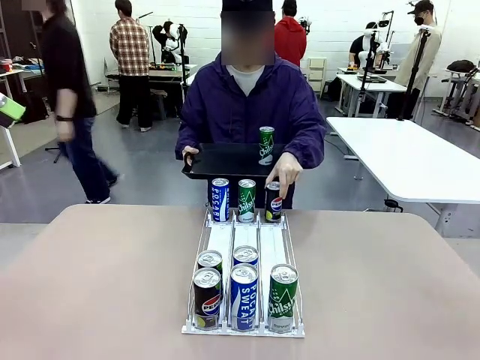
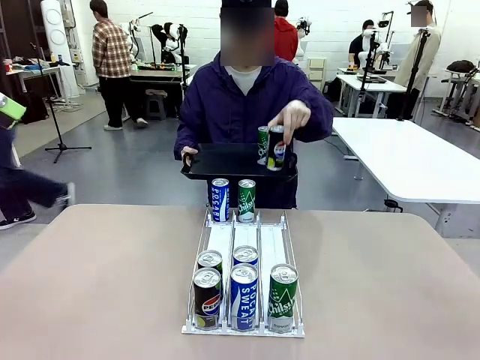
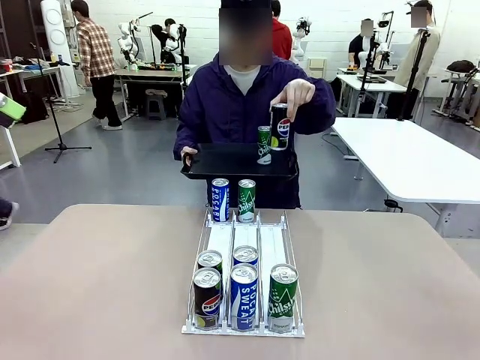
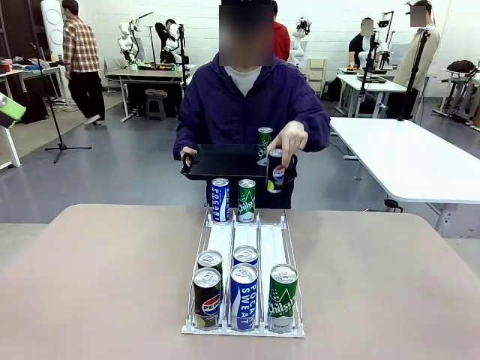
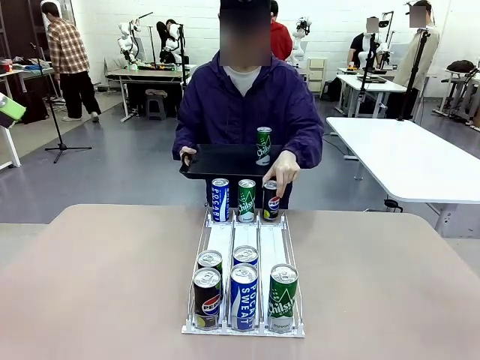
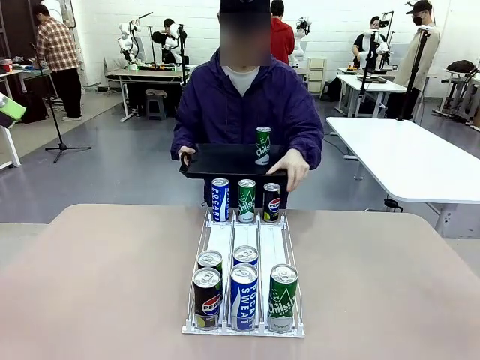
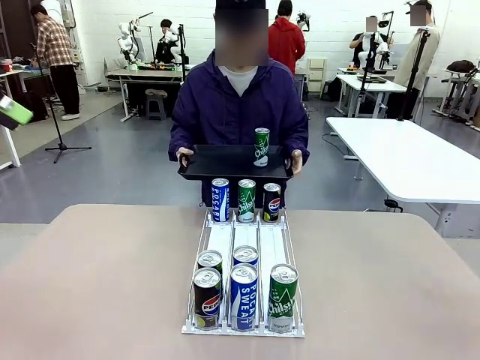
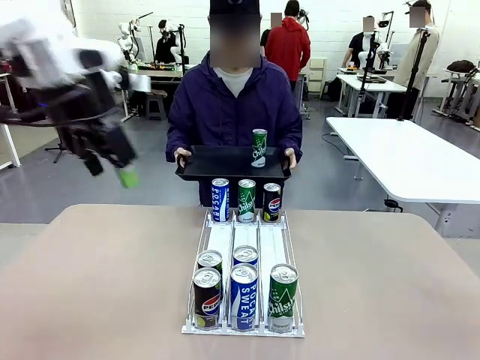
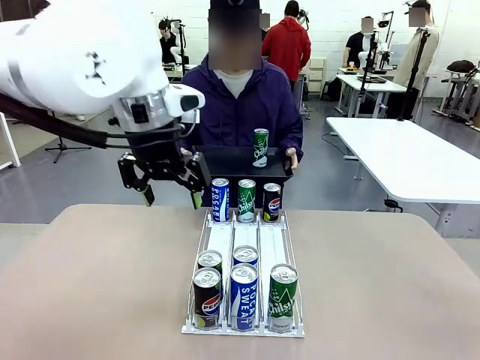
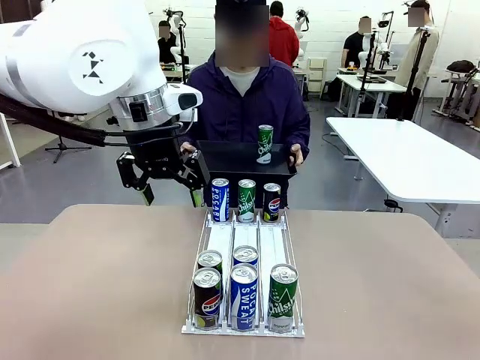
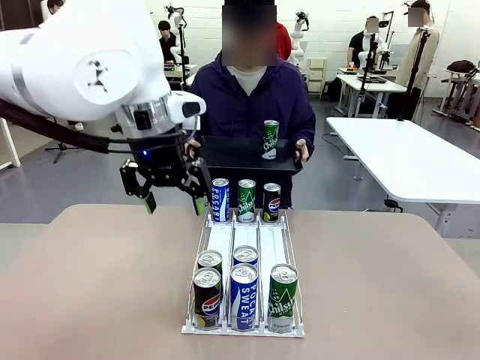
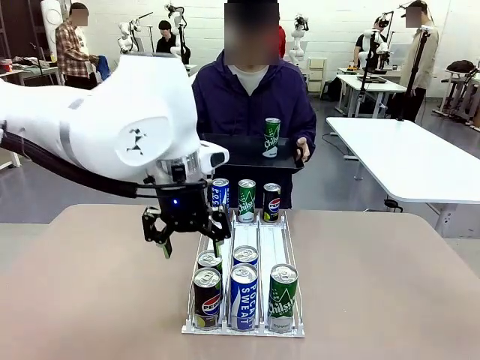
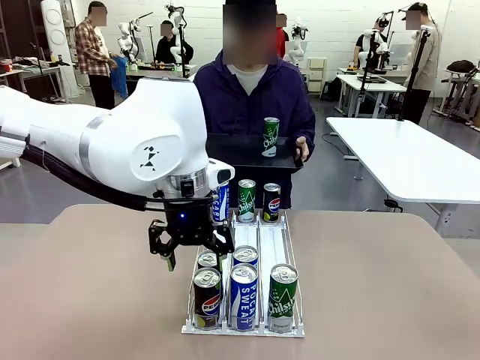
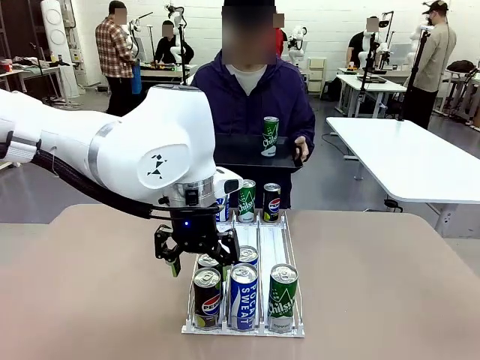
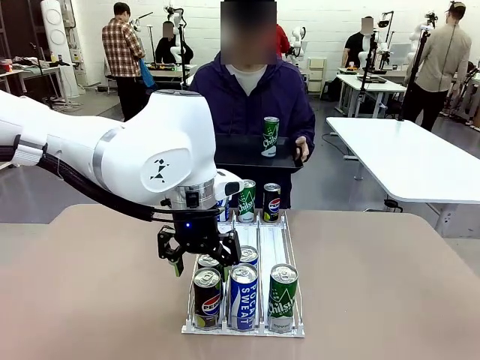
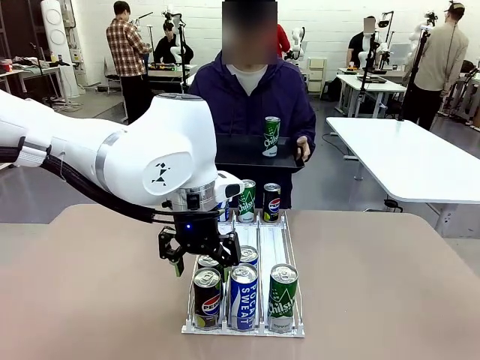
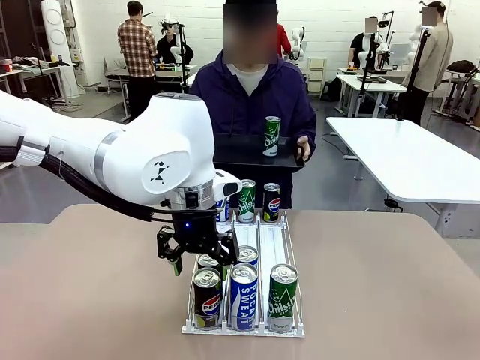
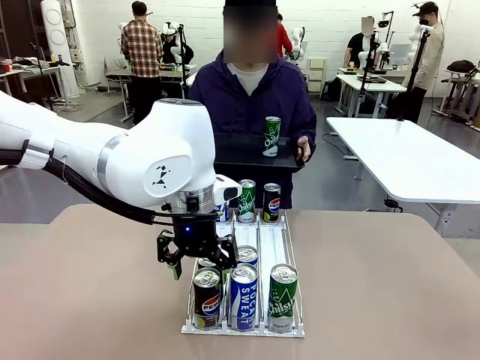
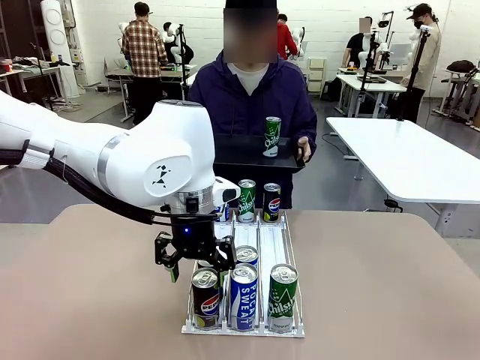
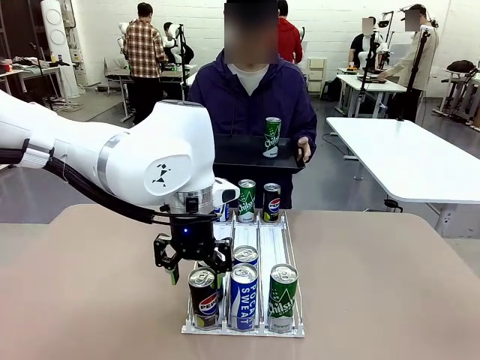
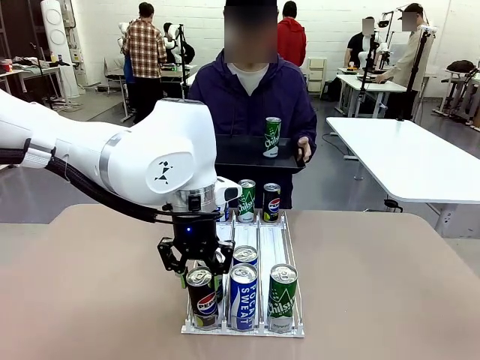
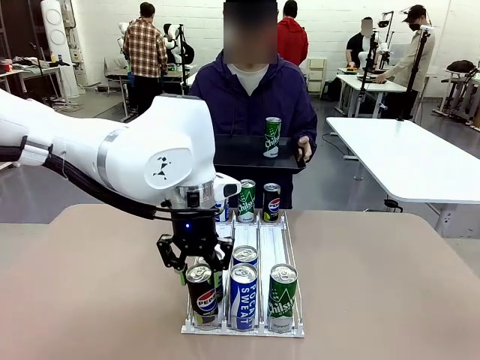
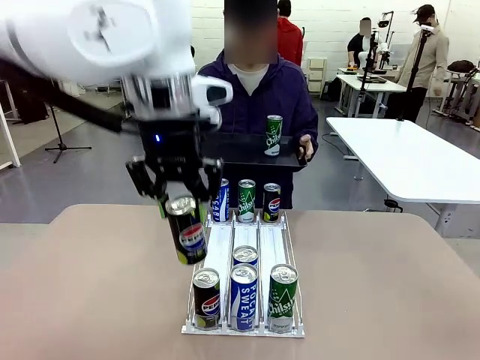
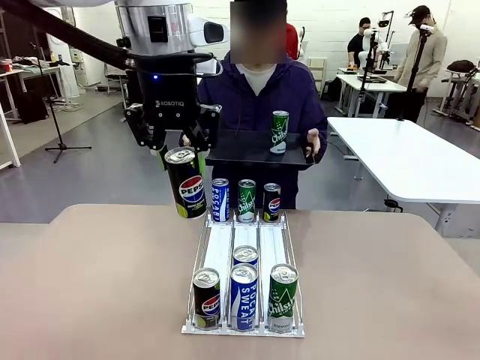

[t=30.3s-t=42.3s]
Task: Retrieve and hand over the desired beverage to the person.
Robot: Pick up another can of the same type that the person held from the Automatic Can Dispenser.
Person: Push the tray toward the robot again.

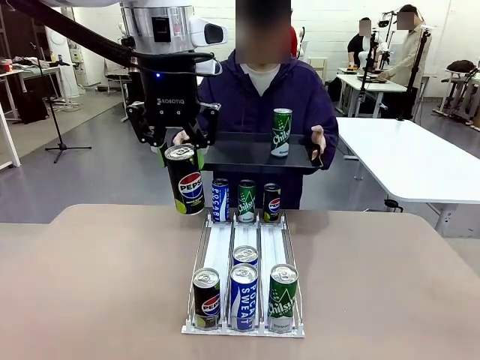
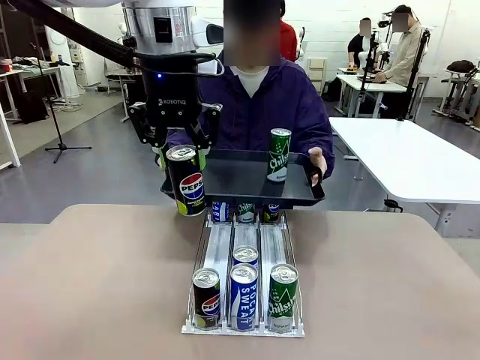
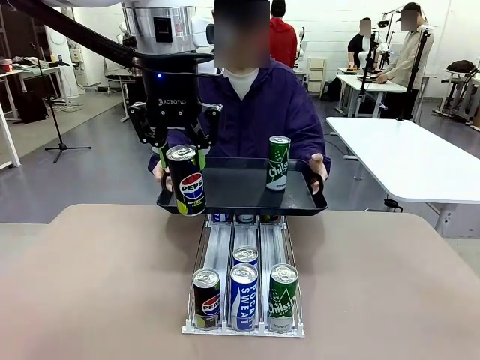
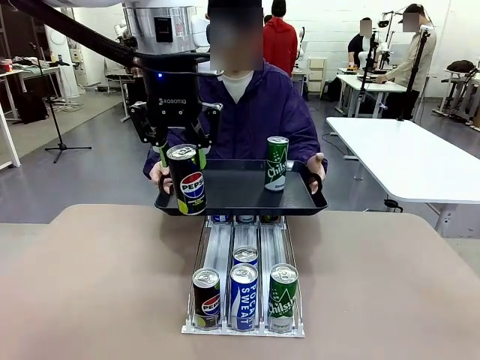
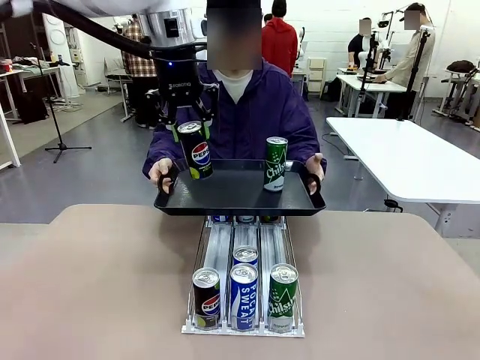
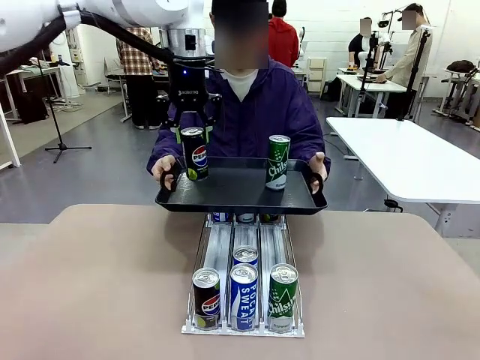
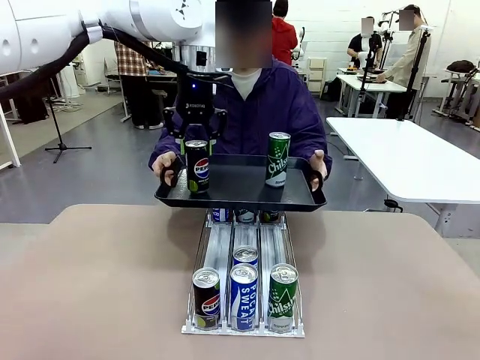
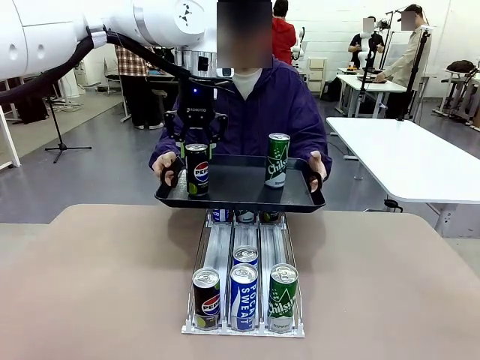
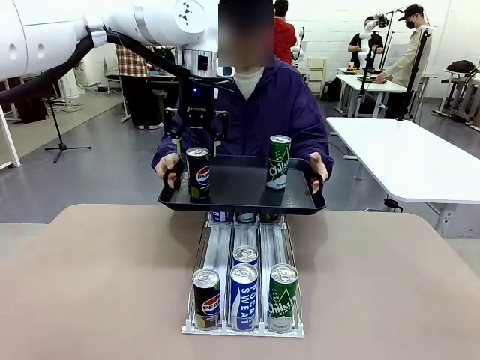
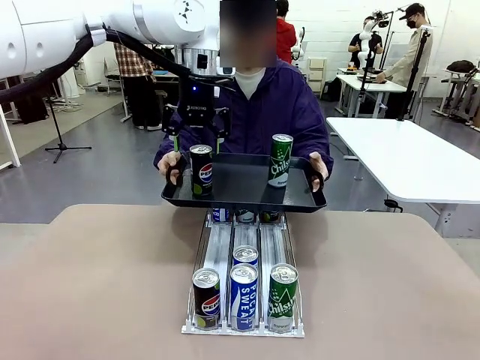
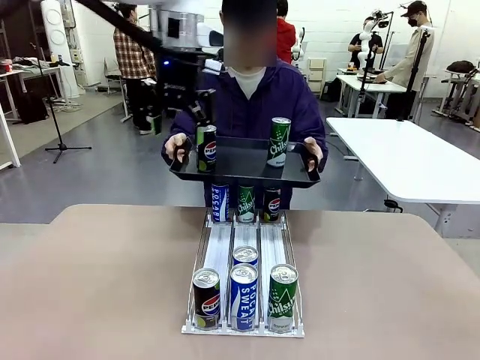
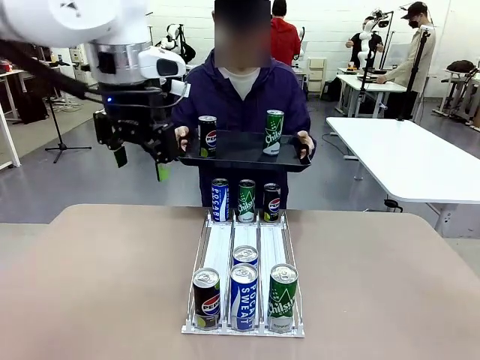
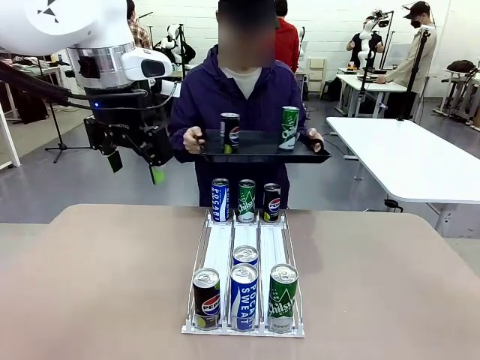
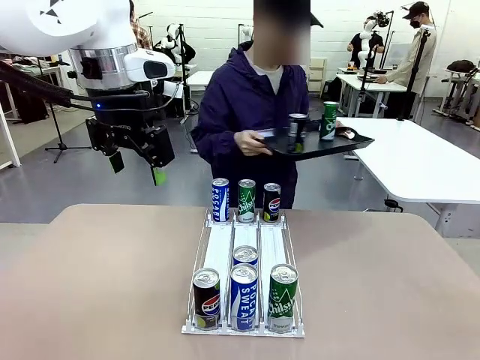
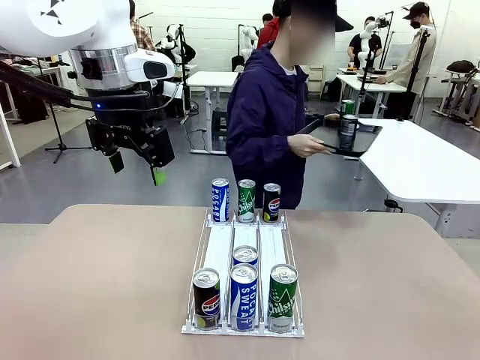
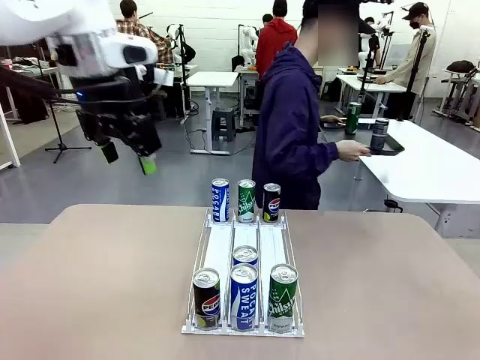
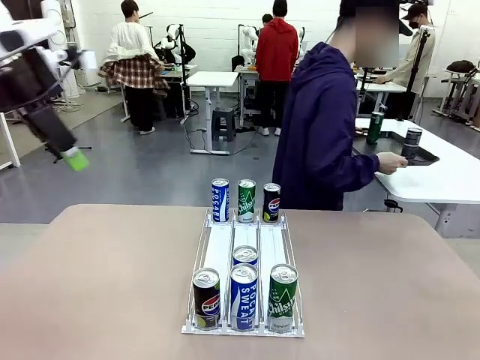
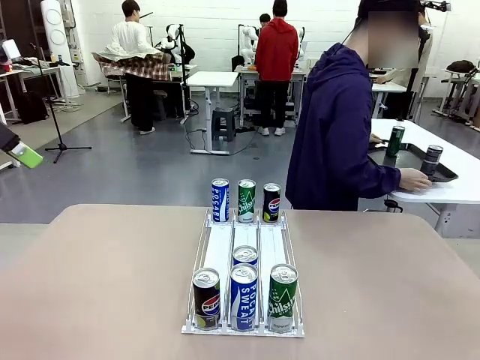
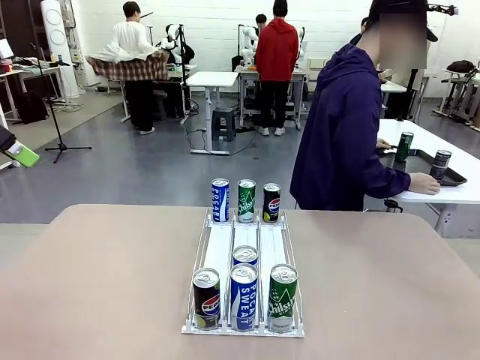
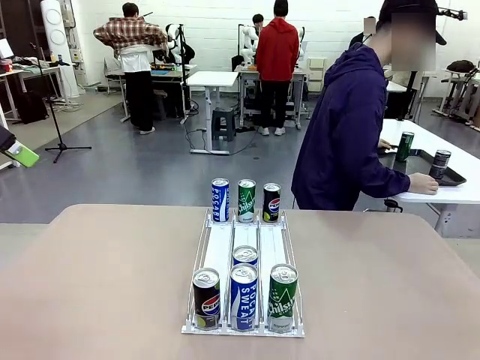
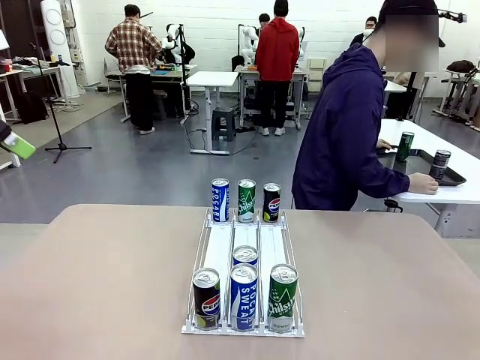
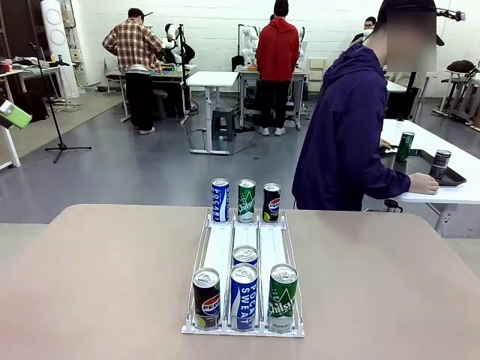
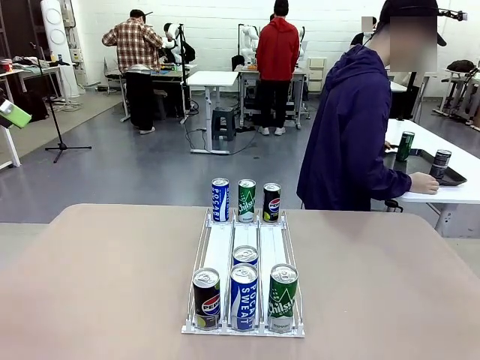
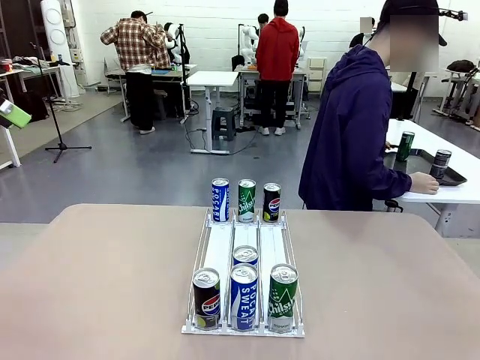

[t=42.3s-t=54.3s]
Robot: Place the picked can on the Handle tray extended by the person.
Person: Pull the tray back and place it at the center of the human table.
